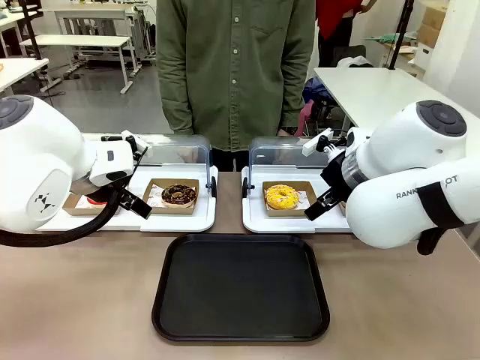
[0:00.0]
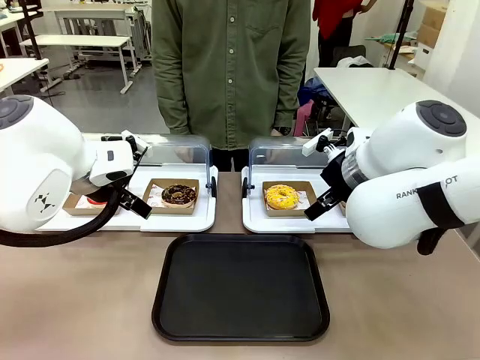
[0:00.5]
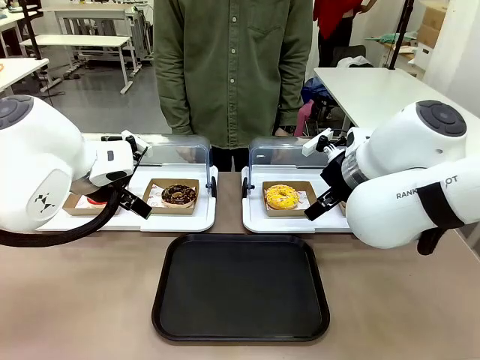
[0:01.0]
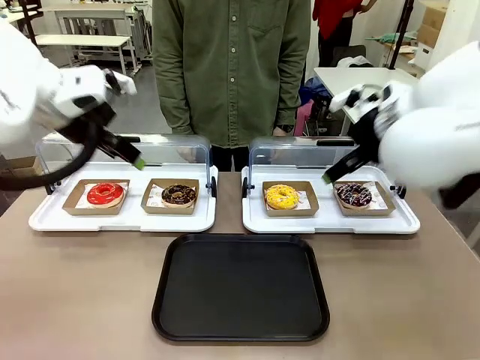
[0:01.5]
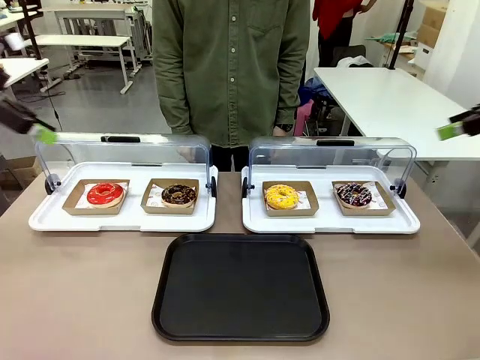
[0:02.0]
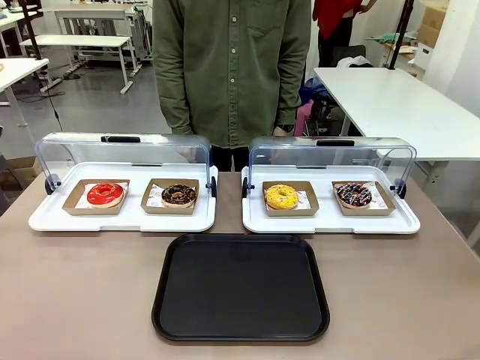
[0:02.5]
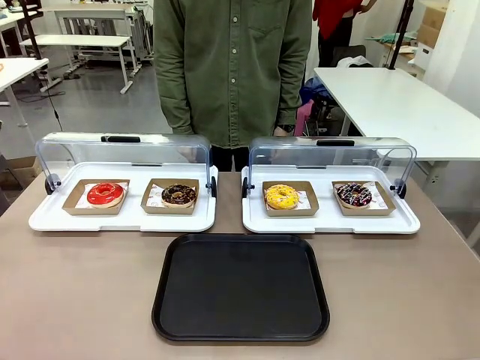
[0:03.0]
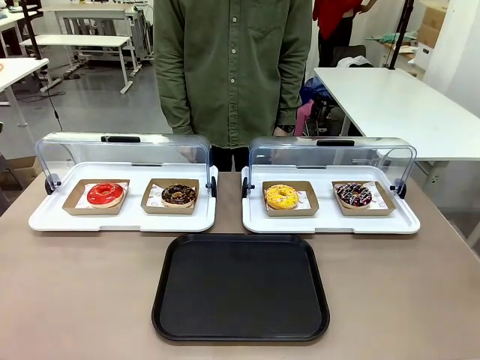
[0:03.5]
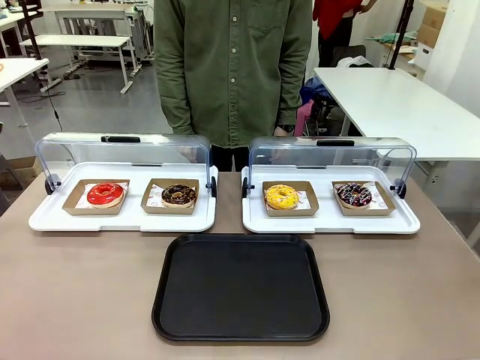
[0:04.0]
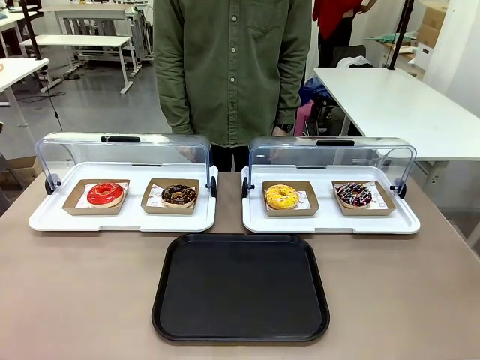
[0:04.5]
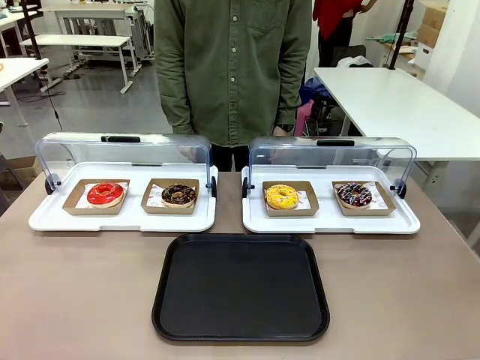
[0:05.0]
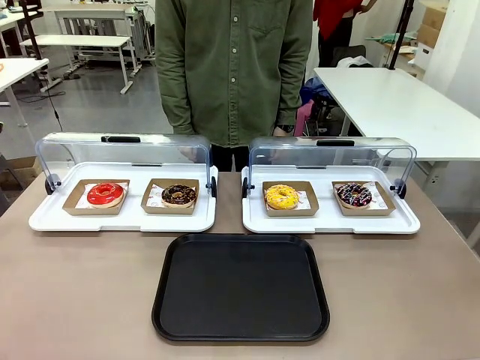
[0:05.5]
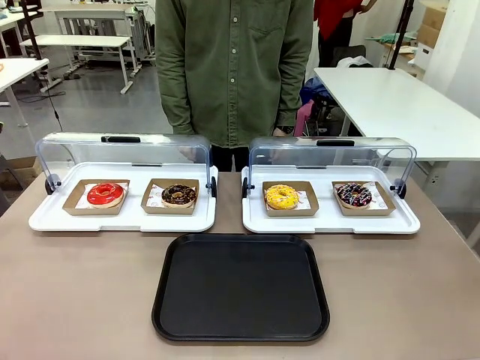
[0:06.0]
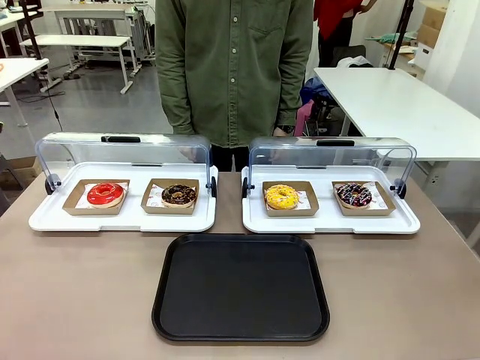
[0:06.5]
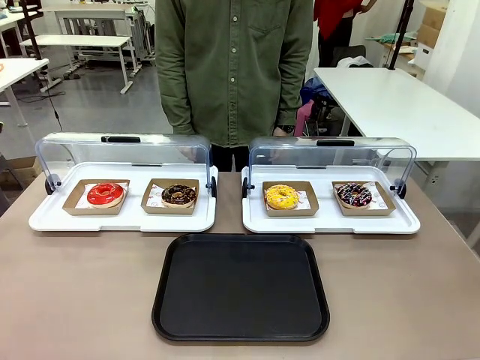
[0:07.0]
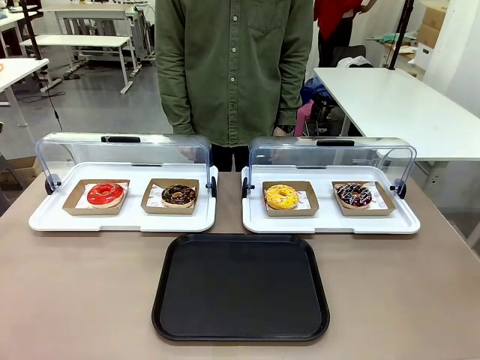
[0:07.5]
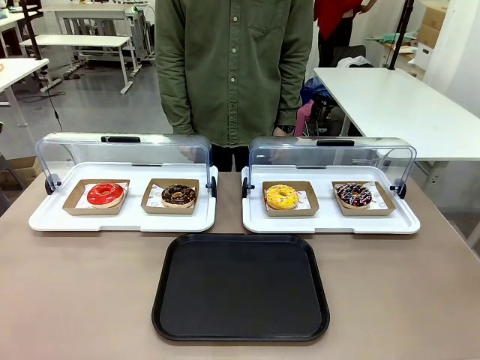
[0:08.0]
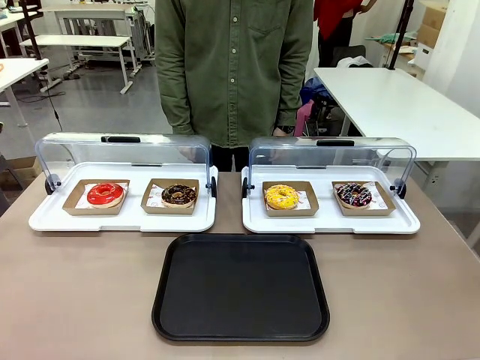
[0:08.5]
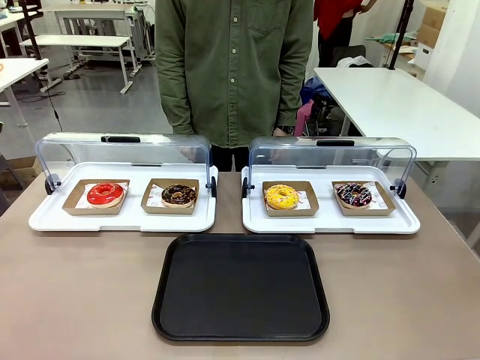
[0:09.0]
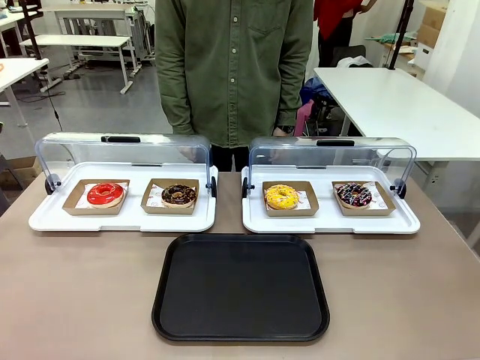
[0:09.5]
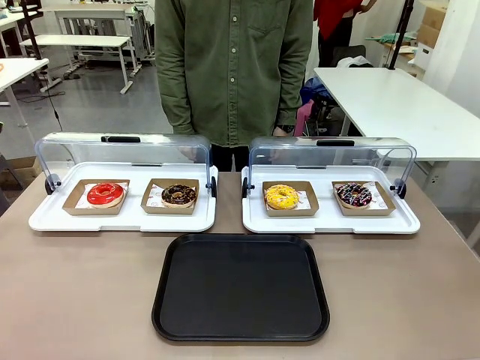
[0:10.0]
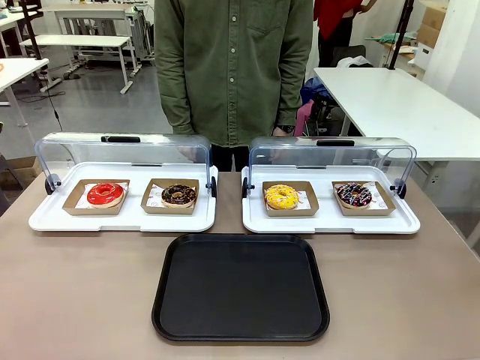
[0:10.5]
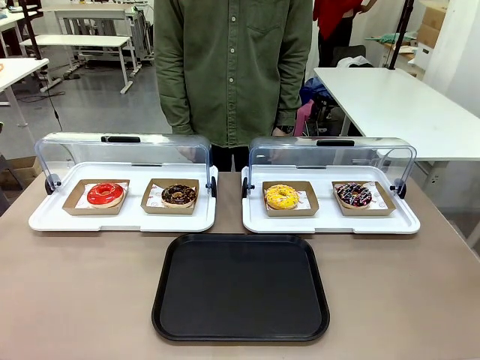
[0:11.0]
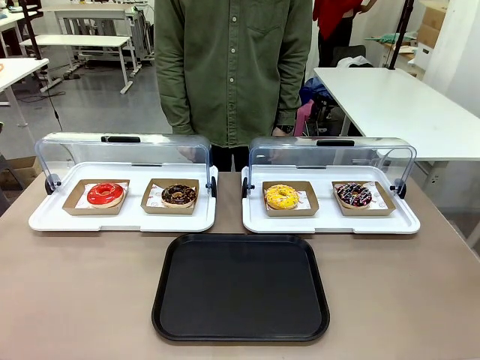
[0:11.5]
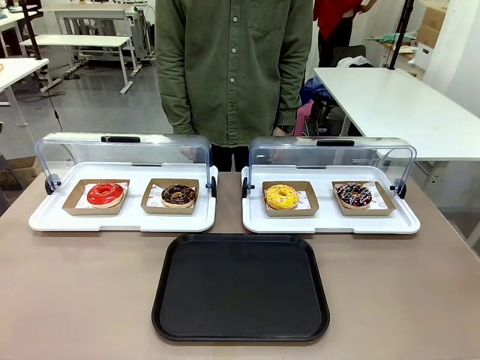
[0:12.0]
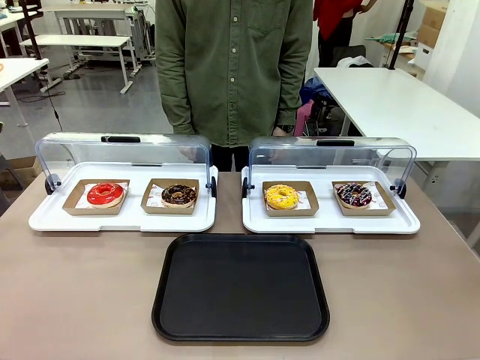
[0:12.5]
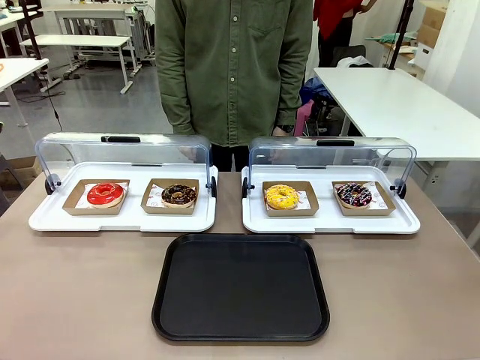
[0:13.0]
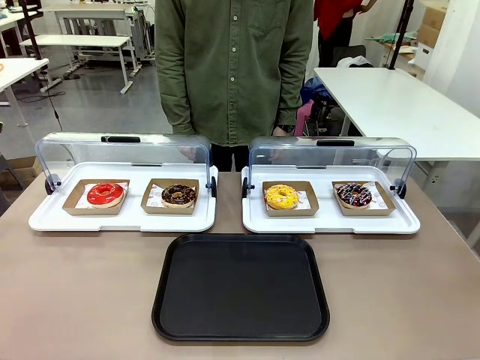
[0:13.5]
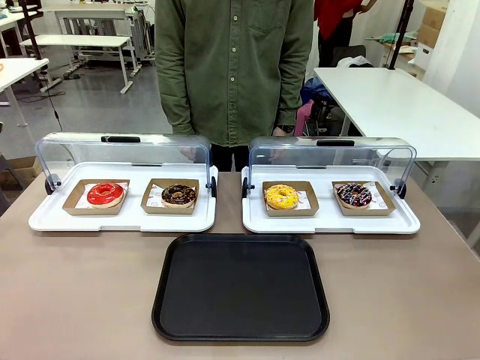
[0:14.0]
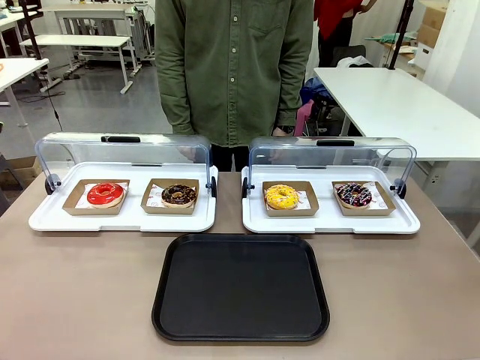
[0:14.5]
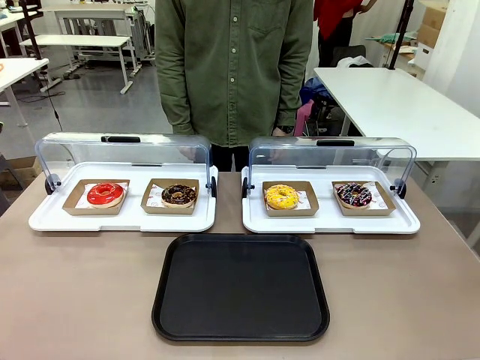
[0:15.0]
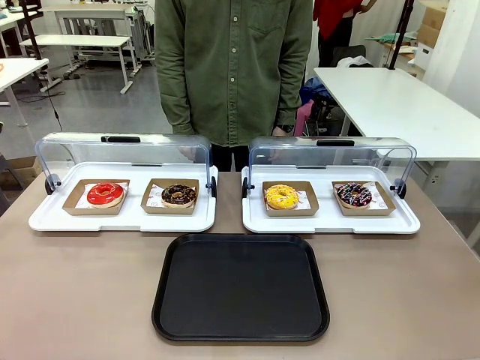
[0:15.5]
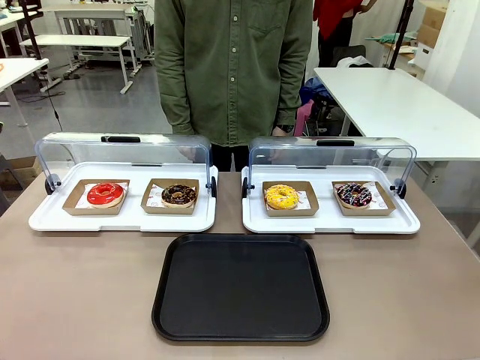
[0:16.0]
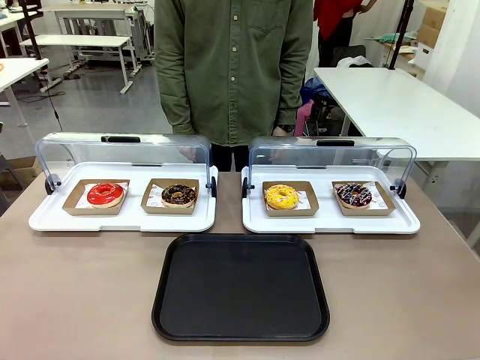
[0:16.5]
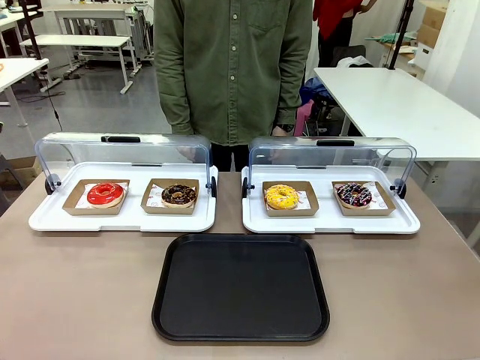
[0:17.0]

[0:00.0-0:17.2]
Task: Move the second donut from the left to the tray.
Robot: Pick up the Paper togo box containing the Donut indicated by the person and place it on the Handle tray.
